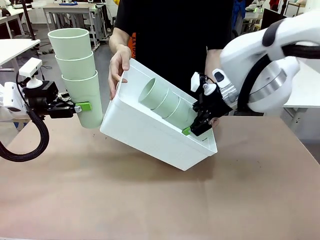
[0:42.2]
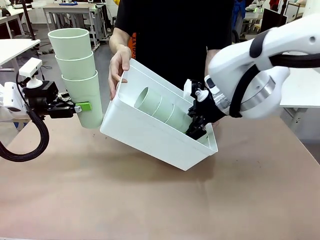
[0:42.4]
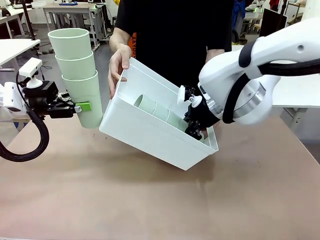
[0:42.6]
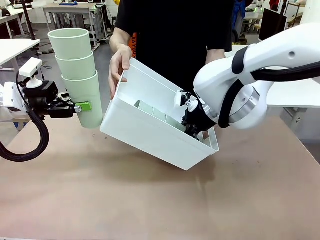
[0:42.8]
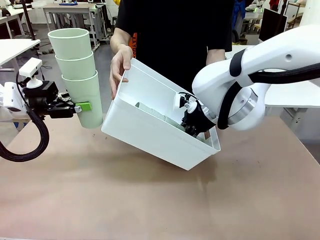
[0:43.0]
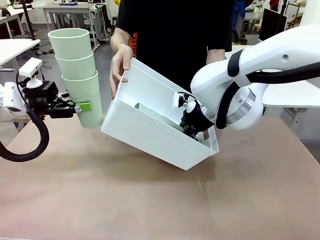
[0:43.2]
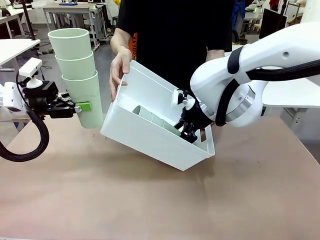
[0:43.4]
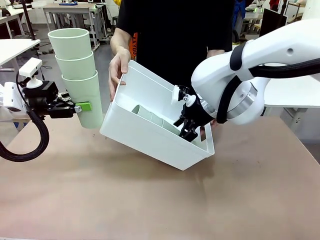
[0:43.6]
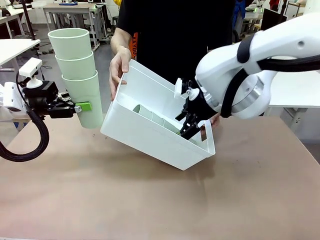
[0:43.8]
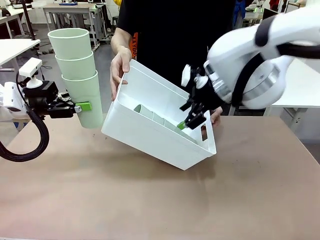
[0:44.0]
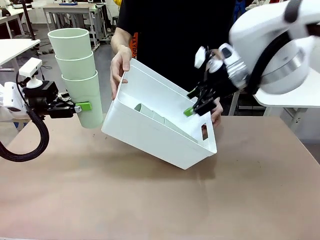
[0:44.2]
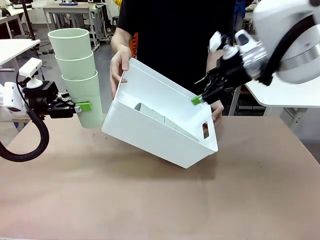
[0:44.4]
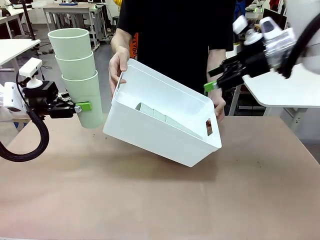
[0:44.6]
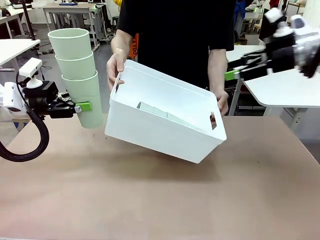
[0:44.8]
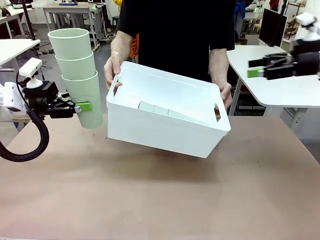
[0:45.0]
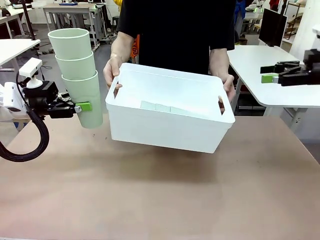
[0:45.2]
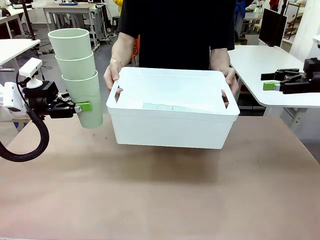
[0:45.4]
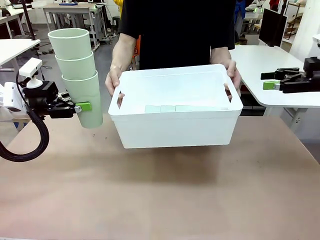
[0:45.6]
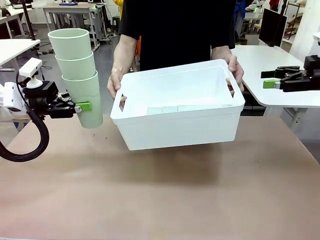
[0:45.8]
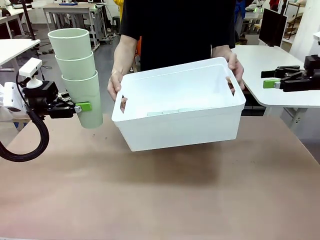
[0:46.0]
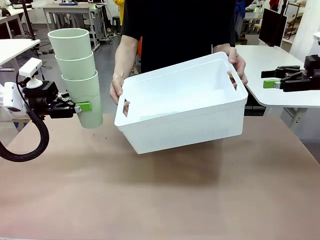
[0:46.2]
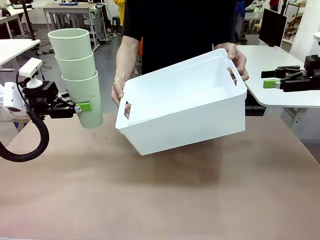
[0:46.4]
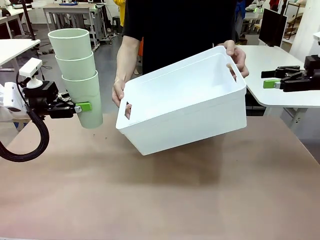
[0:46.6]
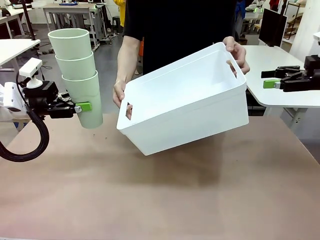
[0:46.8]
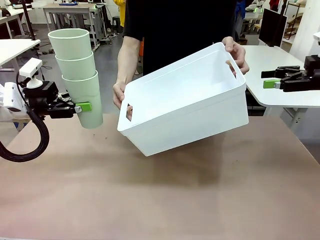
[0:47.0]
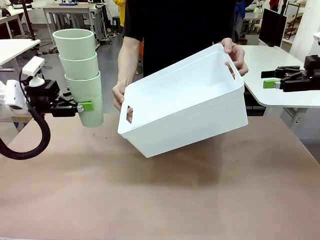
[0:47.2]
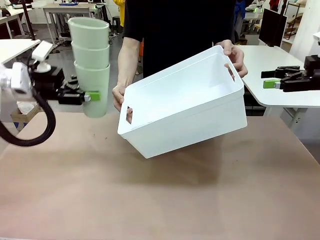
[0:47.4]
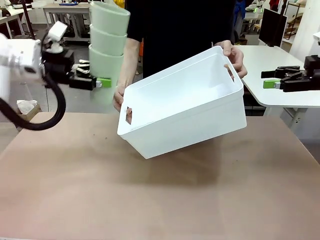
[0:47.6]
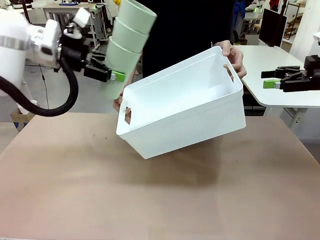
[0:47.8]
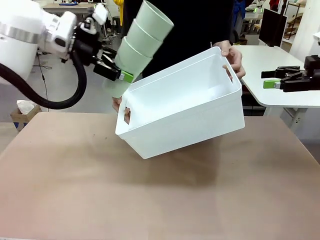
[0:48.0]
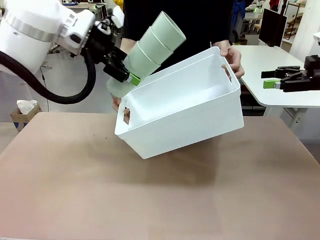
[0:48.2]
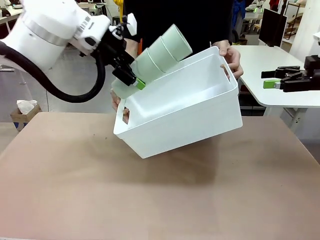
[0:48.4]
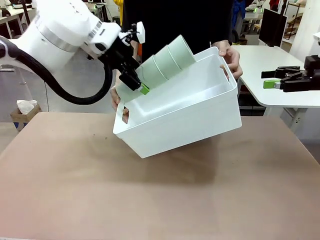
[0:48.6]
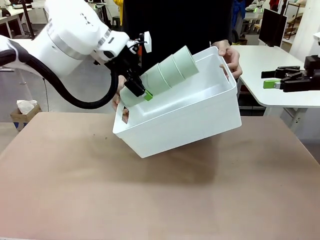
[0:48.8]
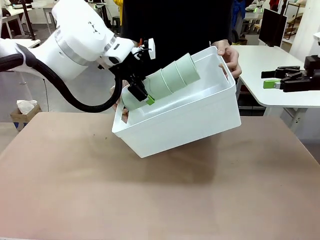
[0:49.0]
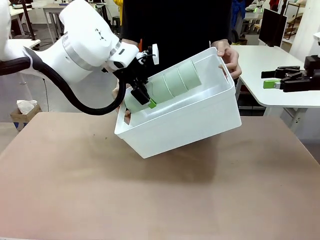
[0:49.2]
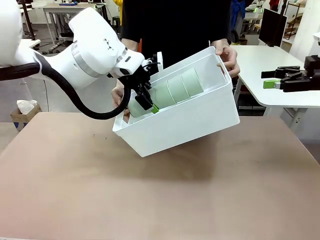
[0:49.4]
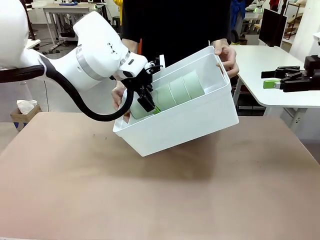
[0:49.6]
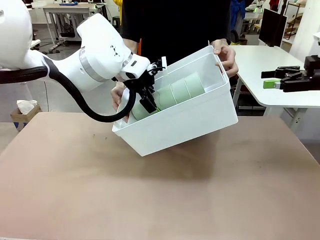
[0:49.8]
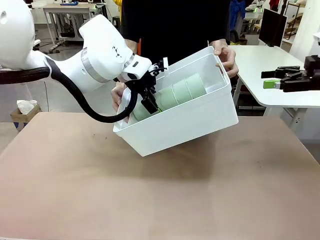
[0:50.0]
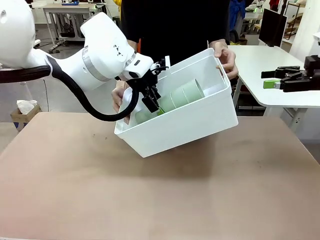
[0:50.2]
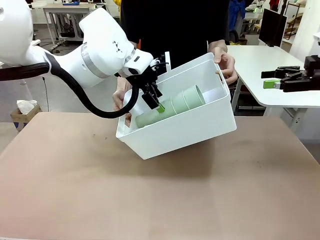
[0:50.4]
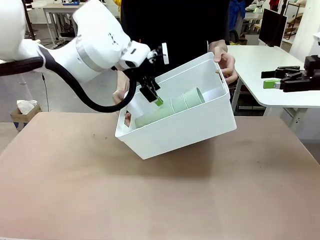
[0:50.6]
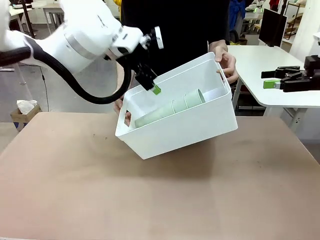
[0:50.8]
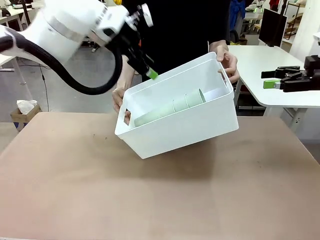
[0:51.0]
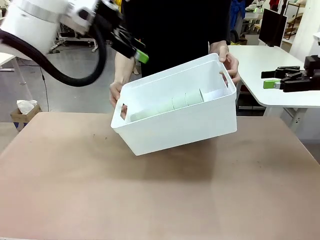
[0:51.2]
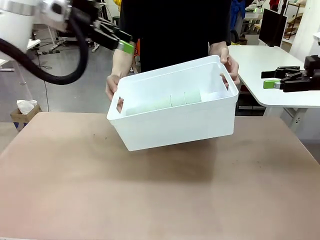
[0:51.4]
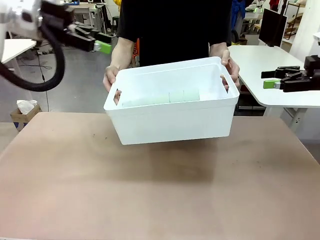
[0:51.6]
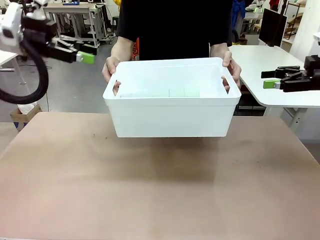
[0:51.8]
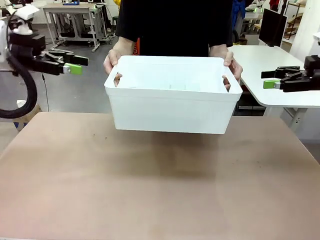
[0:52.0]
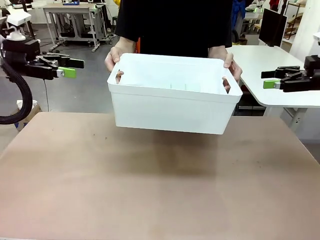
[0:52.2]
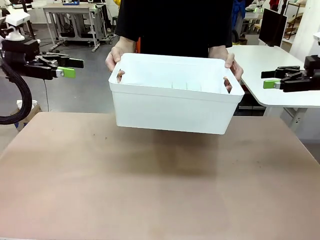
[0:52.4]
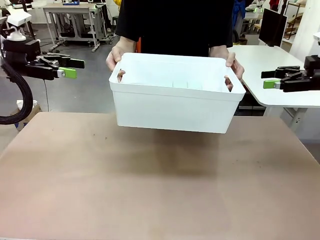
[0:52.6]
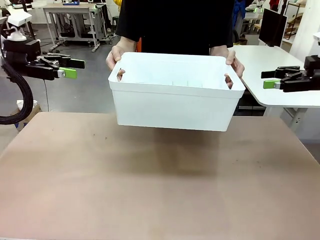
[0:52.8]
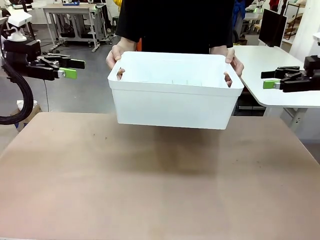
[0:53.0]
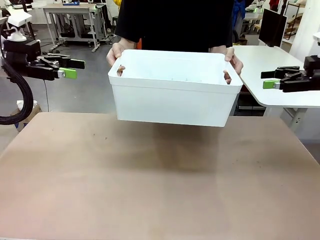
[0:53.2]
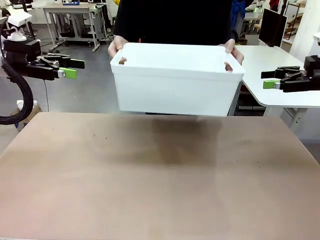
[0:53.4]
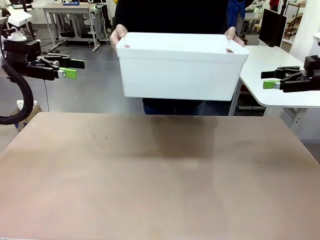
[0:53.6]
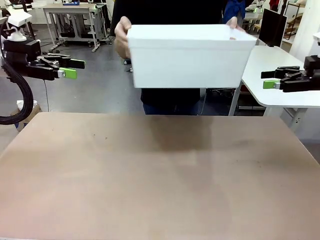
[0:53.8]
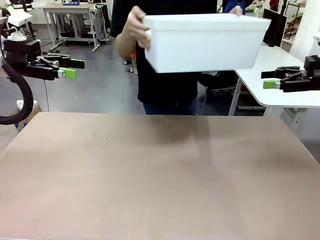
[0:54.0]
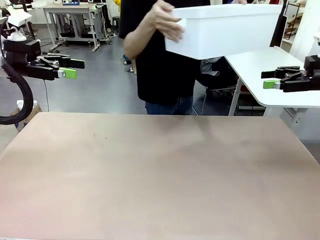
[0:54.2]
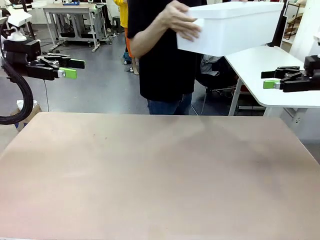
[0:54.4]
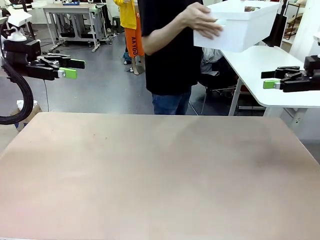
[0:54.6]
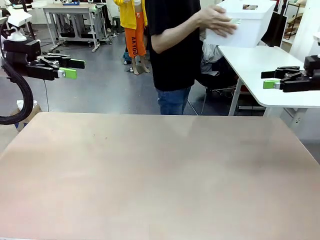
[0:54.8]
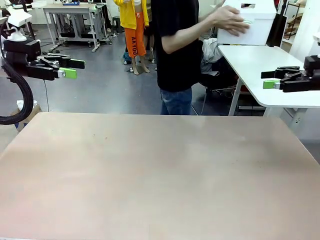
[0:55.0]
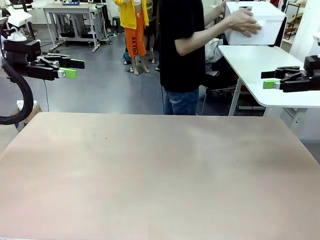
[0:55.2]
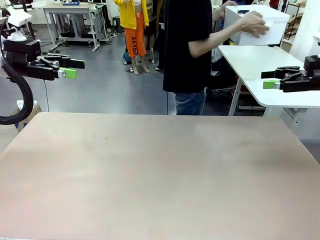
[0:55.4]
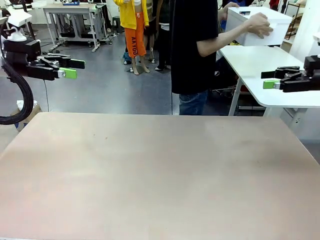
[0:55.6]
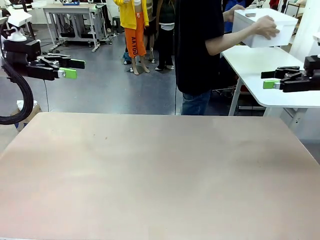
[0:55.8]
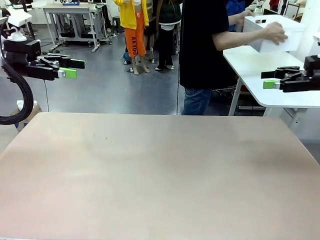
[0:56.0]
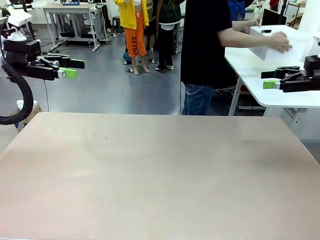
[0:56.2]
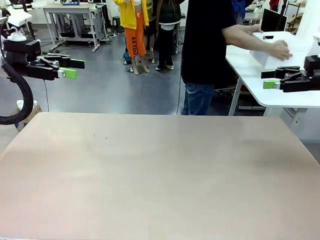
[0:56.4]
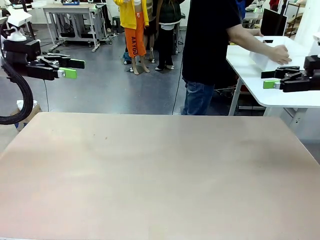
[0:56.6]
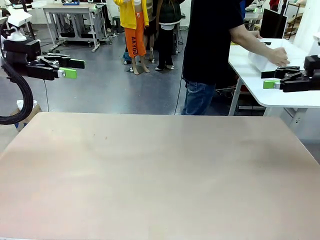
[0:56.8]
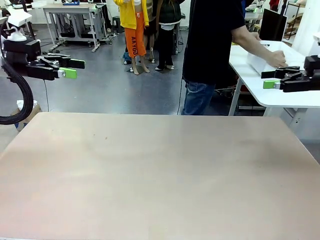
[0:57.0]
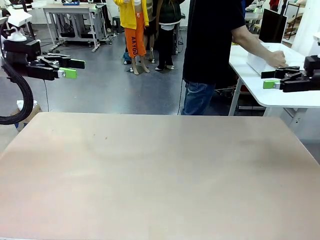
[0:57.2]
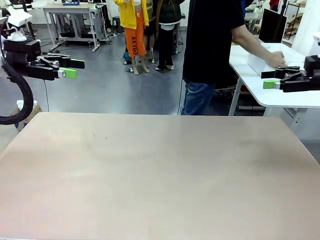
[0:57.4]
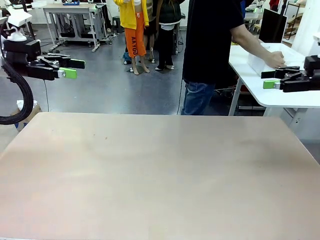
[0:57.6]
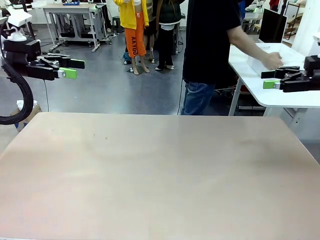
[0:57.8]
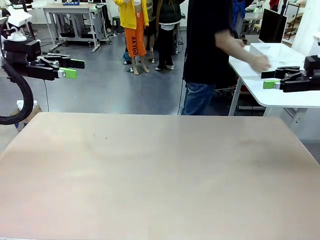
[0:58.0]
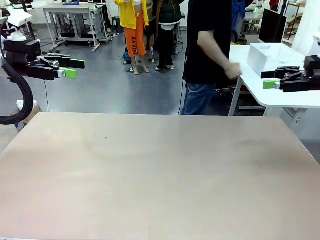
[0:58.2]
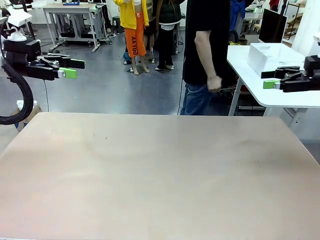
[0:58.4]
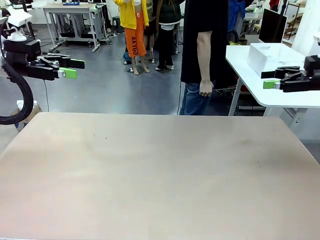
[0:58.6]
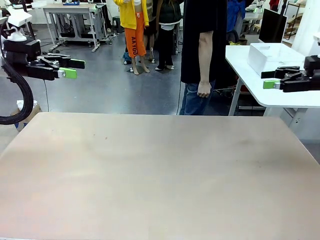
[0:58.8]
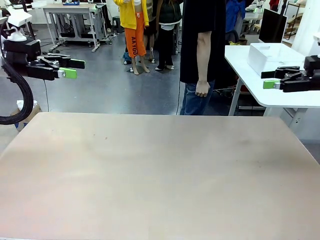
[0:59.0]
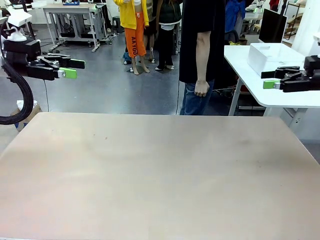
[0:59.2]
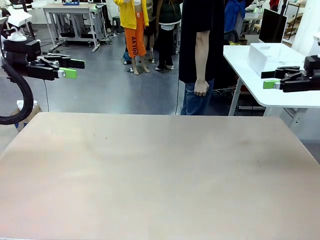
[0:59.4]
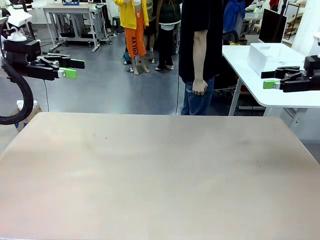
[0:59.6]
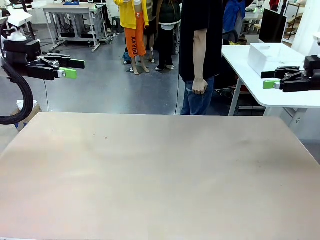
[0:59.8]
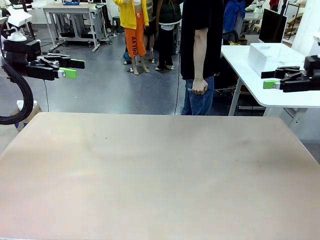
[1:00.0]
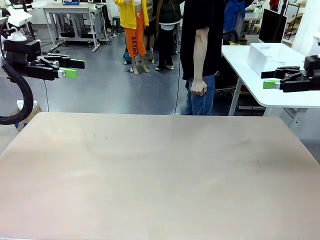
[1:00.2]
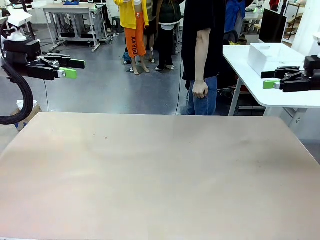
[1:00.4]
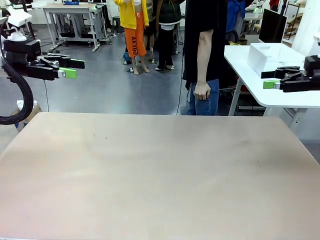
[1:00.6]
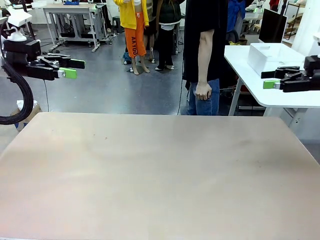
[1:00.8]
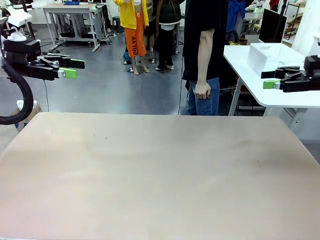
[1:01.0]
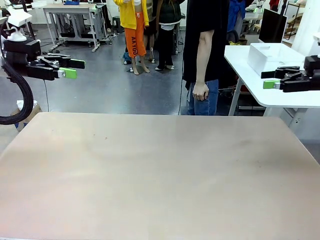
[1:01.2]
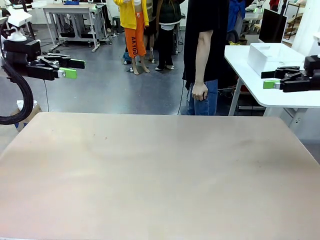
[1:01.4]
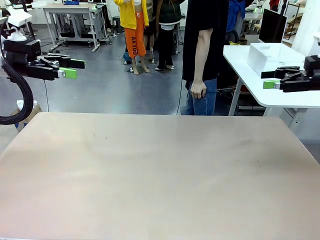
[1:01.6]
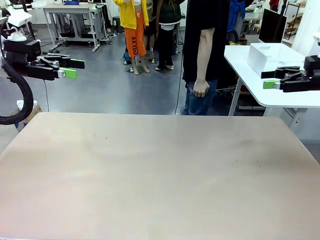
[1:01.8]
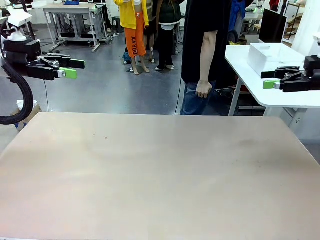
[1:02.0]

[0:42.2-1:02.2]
Task: Stack the cups and store them in the basket.
Robot: Place the stack of Reusable plastic cups into the Pantry Basket.
Person: Place the basket containing the cups in the middle of the Human Table.
